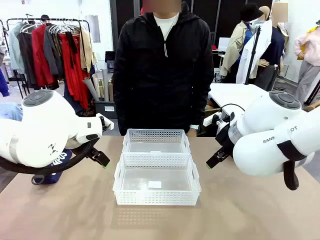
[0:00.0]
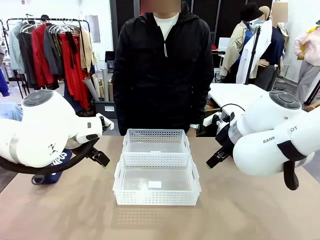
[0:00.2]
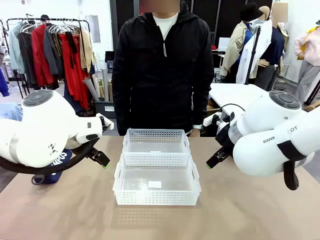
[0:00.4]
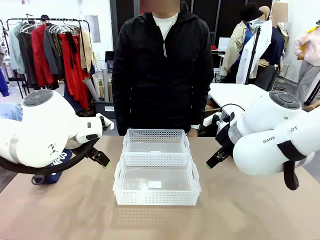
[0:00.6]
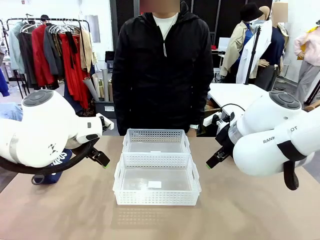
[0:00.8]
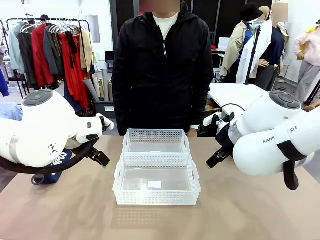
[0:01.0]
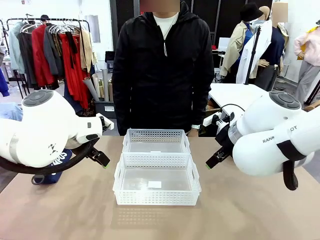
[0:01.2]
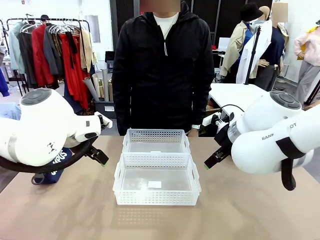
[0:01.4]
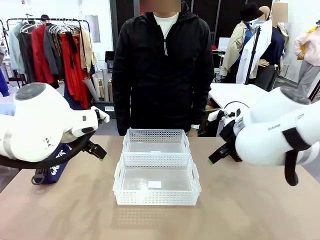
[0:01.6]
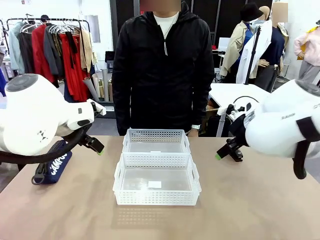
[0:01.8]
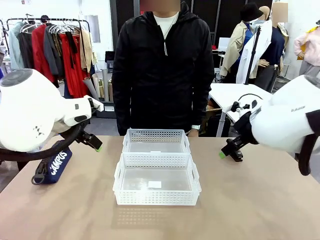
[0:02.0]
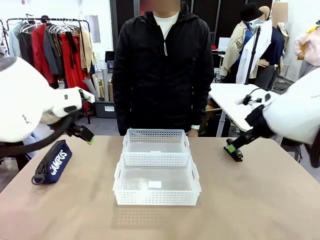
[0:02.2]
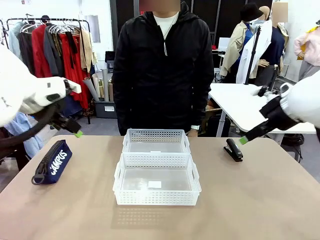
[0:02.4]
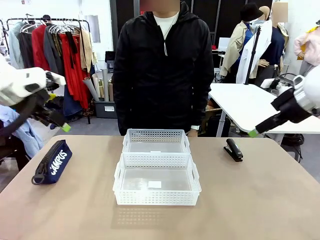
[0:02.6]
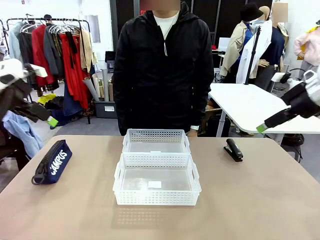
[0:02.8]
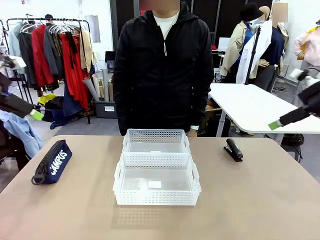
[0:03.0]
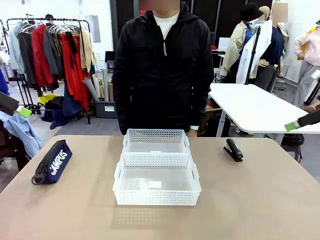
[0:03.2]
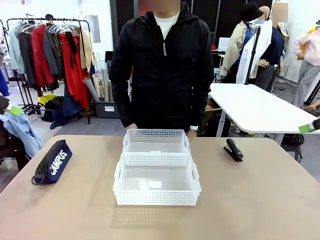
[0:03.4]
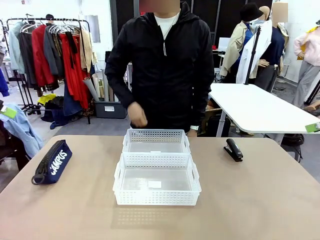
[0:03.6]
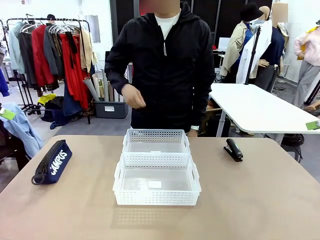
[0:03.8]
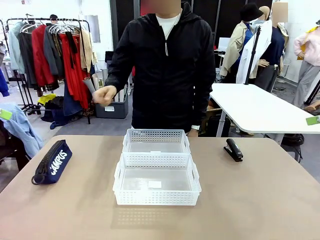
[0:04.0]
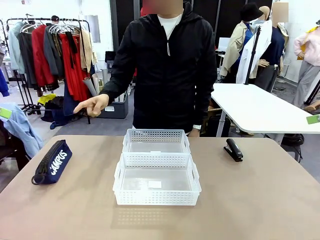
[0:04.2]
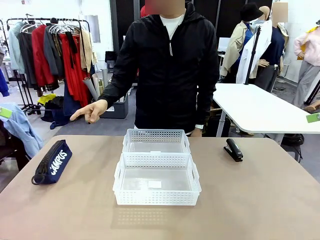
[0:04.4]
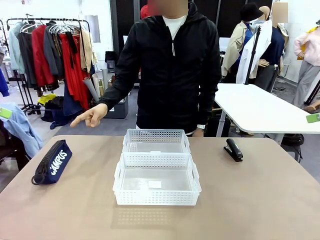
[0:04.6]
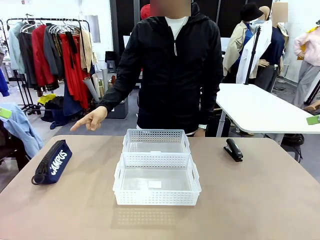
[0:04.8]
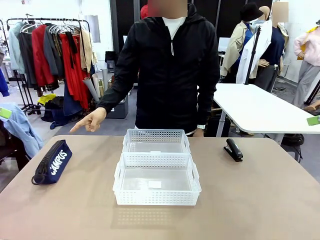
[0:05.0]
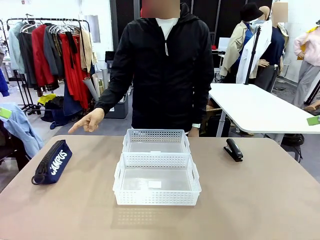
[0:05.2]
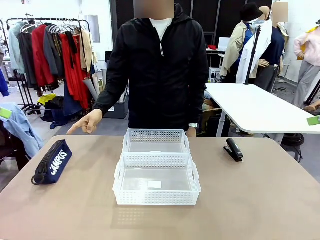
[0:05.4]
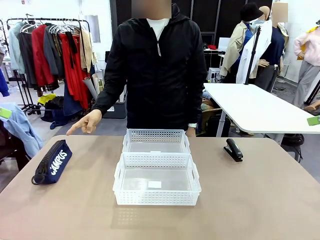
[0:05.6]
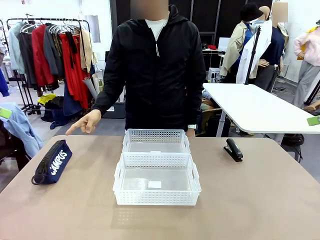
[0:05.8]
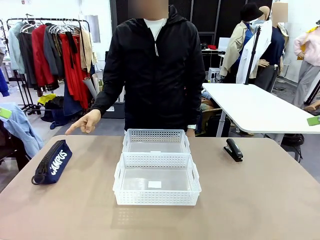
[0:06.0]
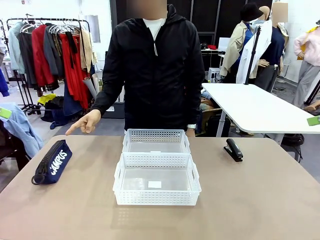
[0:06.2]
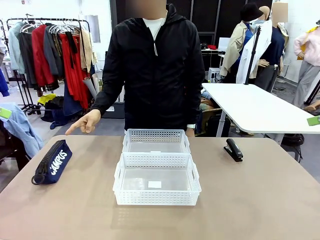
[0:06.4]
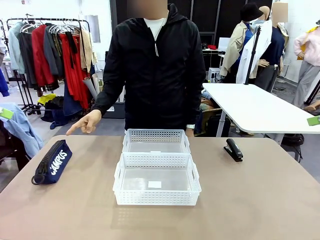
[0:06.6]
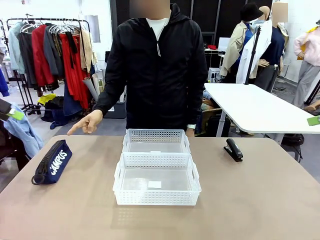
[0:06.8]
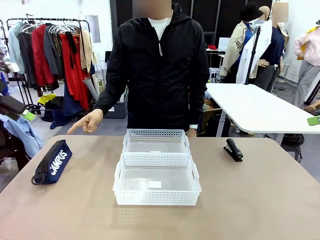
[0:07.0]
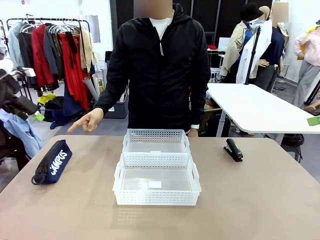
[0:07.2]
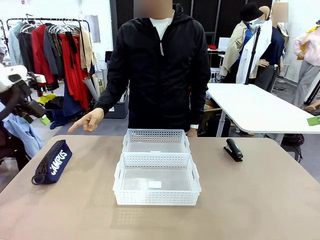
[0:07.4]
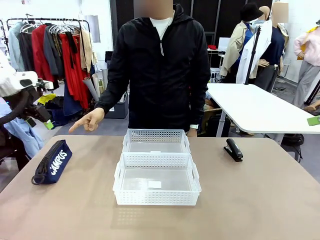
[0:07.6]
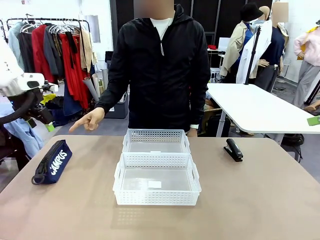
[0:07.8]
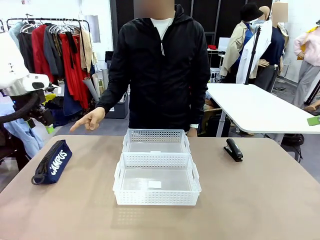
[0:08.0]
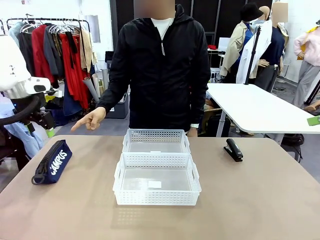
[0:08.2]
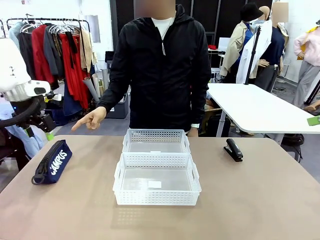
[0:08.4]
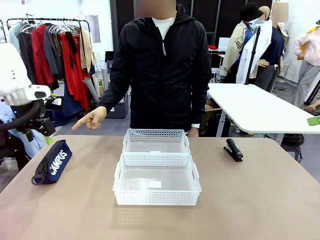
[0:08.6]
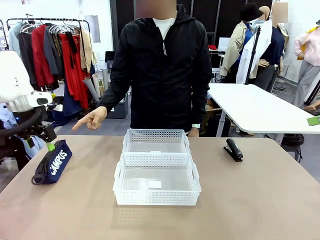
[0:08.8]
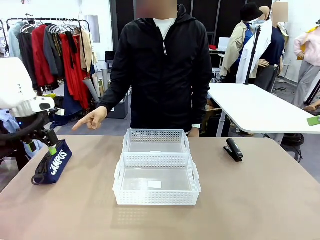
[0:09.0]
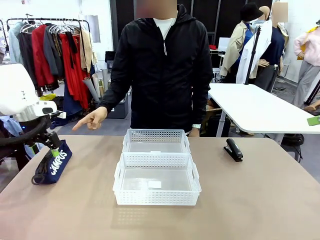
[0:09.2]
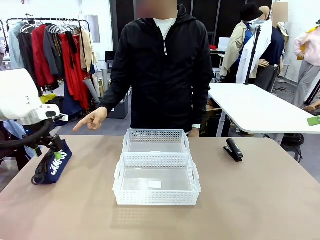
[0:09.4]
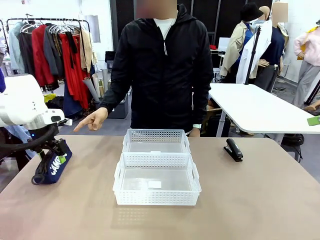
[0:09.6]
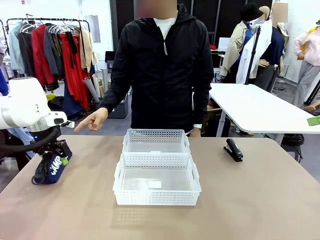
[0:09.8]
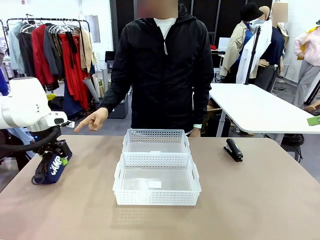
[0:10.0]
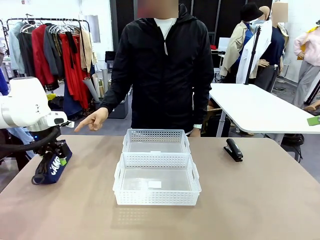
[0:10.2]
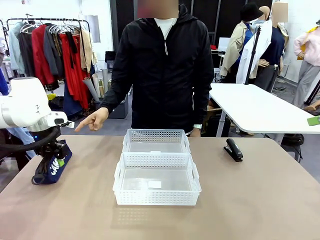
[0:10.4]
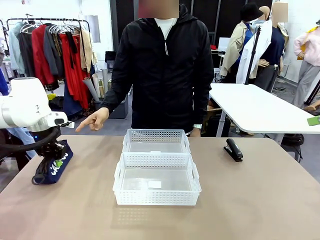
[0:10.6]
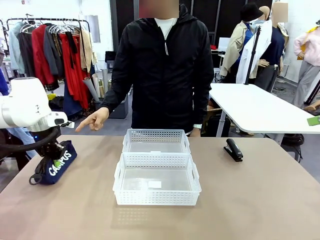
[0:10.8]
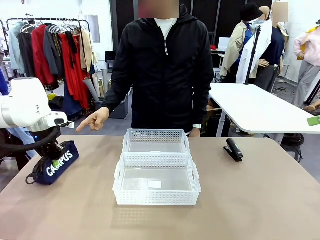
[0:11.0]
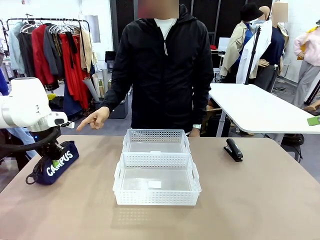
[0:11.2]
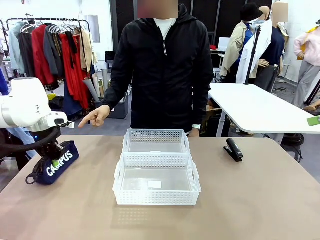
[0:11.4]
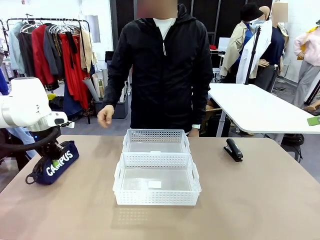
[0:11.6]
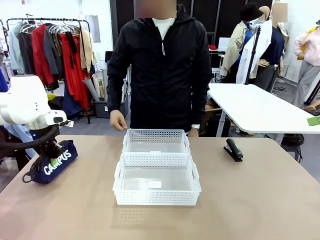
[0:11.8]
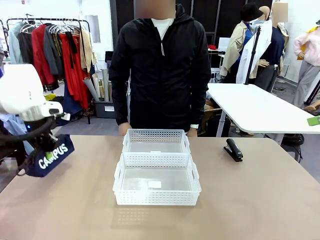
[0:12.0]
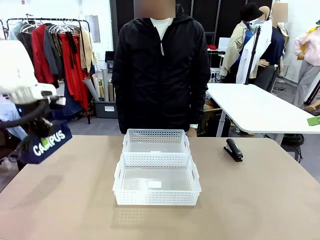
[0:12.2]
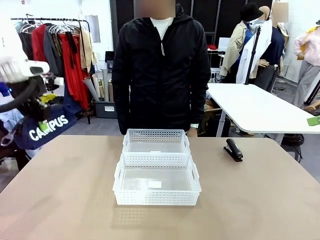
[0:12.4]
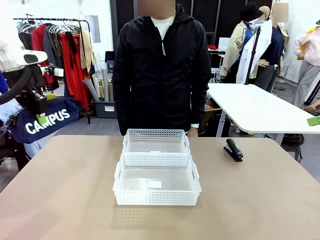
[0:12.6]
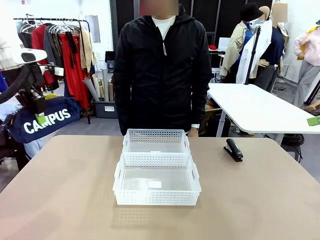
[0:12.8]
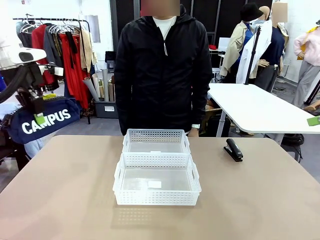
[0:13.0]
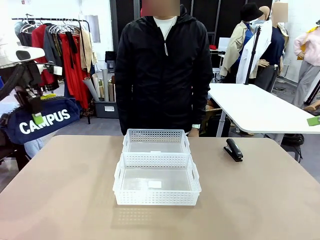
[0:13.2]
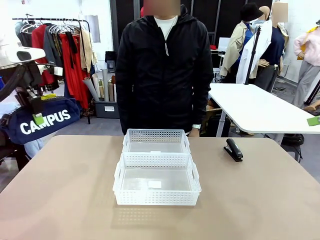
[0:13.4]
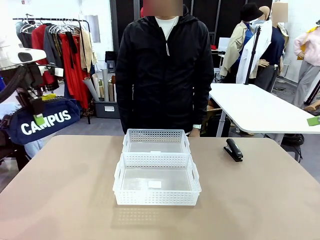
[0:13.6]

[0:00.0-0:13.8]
Task: Distribute items into two baskets.
Robot: Pick up the Pencil pouch that the person points to.
Person: Points to the pencil case. Points between the two organizing baskets and instructs the robot to move the pencil case.

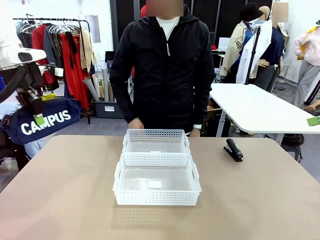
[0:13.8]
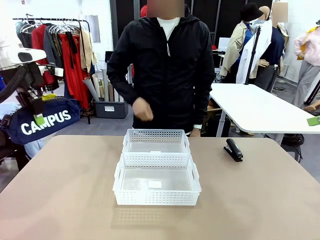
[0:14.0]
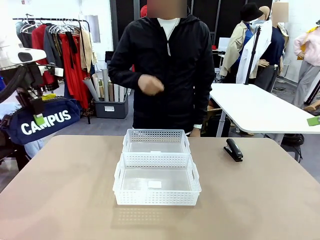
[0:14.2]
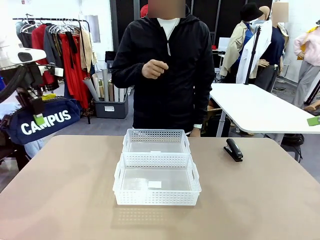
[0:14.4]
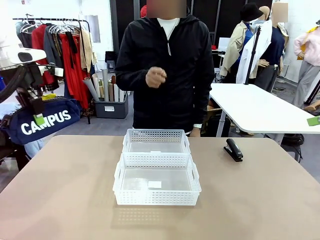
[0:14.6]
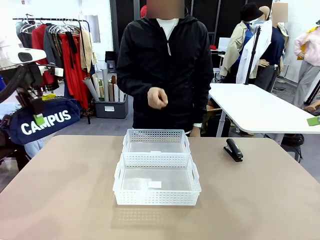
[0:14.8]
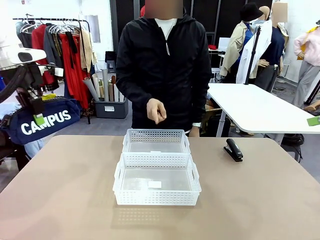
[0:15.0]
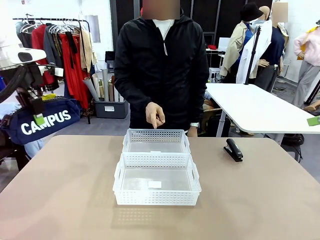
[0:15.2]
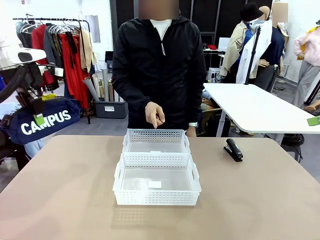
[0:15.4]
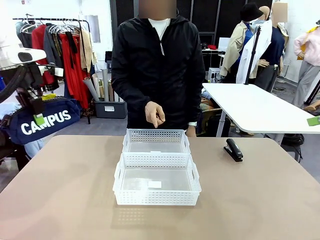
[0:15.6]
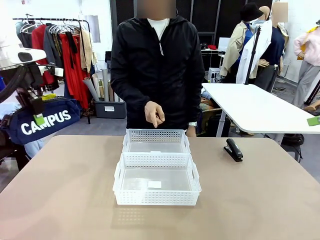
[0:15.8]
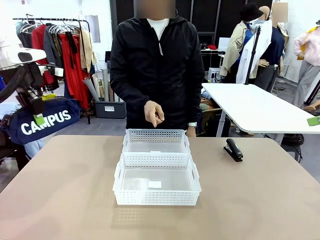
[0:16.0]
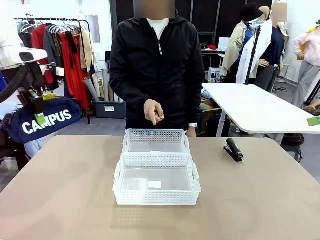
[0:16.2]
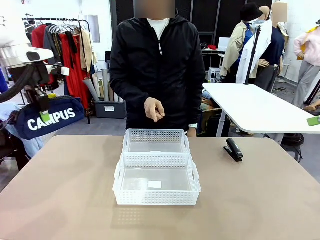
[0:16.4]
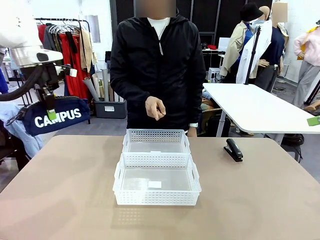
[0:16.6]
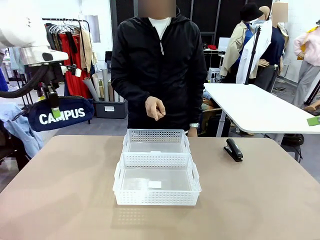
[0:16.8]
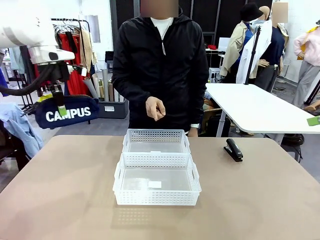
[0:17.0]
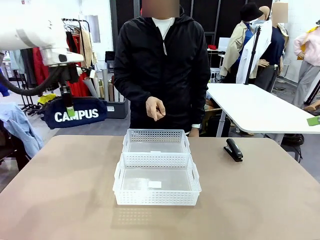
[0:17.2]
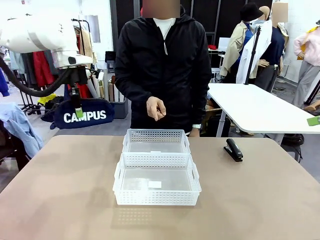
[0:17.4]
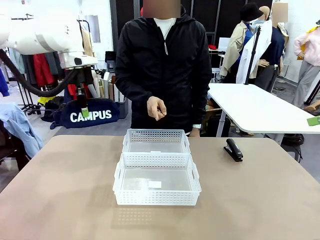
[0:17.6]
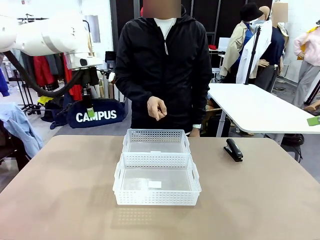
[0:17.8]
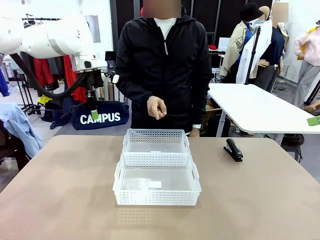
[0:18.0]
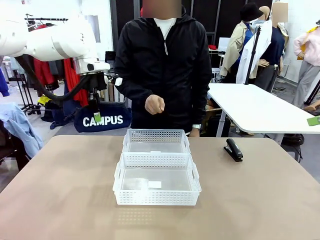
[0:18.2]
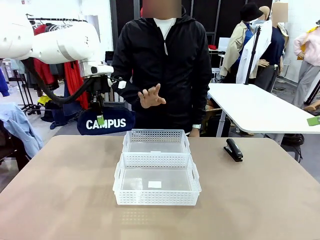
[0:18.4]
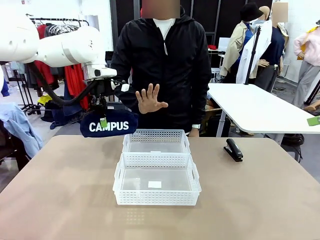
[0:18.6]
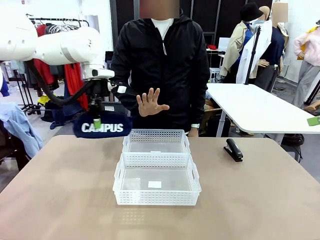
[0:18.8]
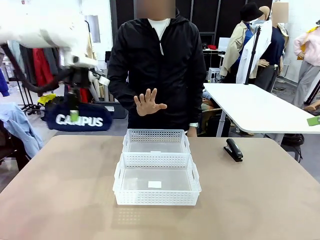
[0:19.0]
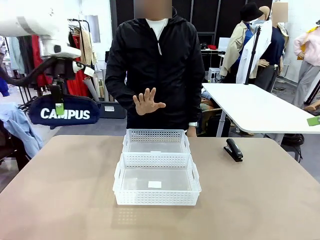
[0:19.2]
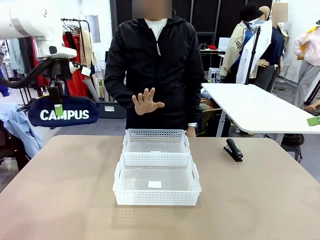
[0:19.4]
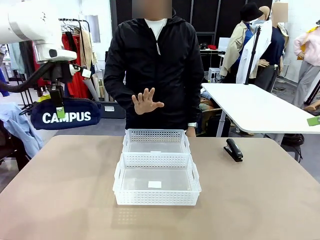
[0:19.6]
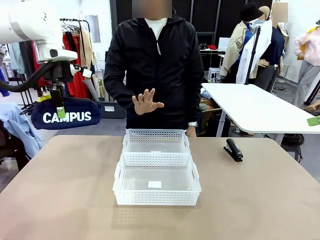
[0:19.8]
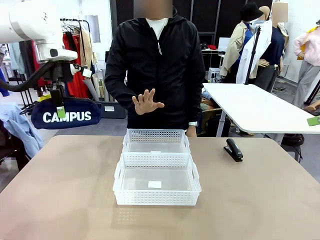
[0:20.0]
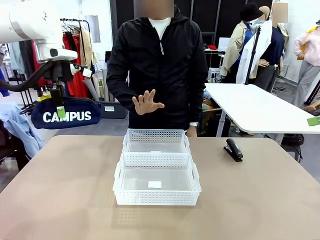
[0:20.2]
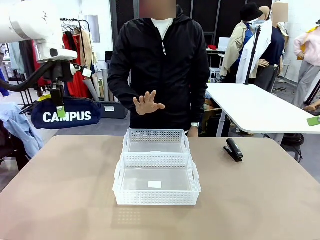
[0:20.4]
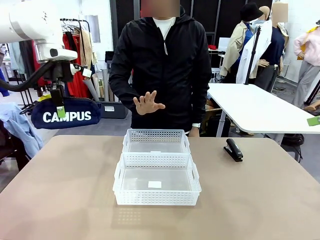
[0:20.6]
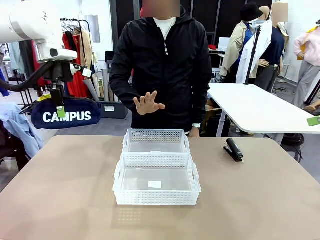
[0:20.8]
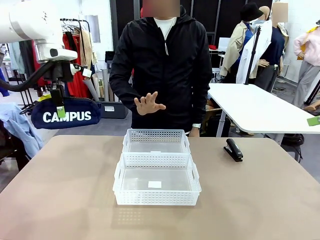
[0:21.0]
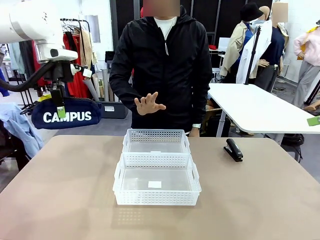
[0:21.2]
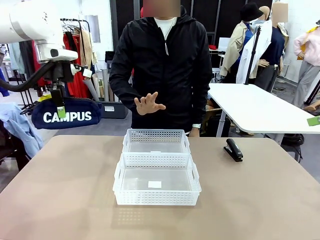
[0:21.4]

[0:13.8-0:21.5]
Robot: Move the picked Pencil pouch towards the Organizing basket indicated by the person, stopping as directed.
Person: Sends a stop gesture before the robot places the pencil case into the basket.
